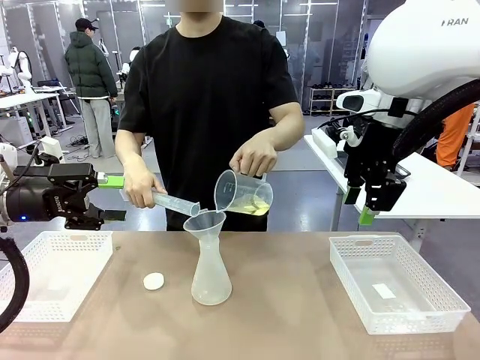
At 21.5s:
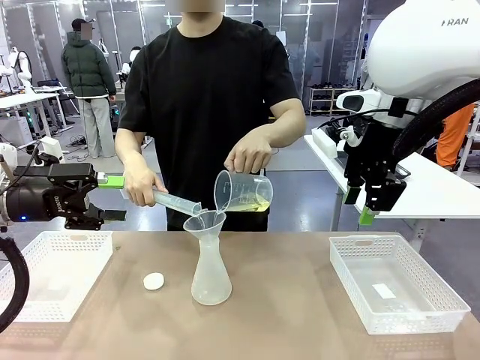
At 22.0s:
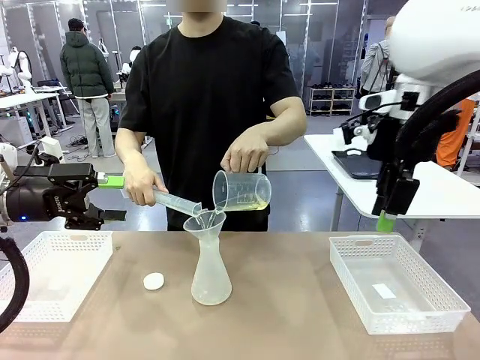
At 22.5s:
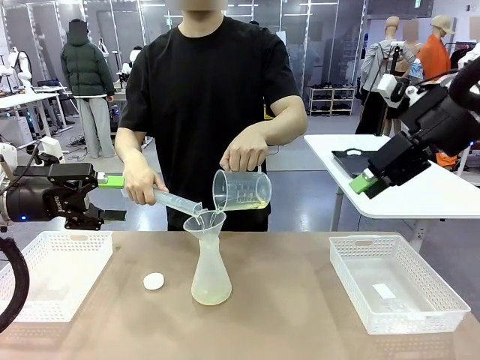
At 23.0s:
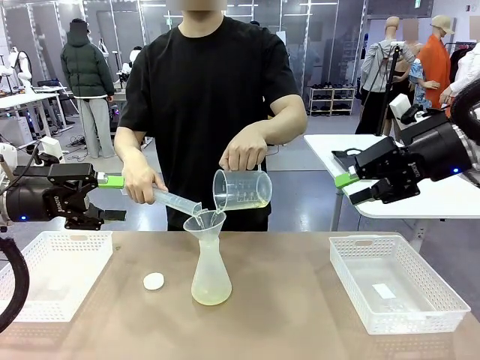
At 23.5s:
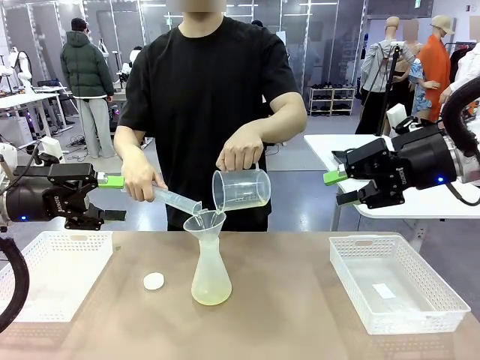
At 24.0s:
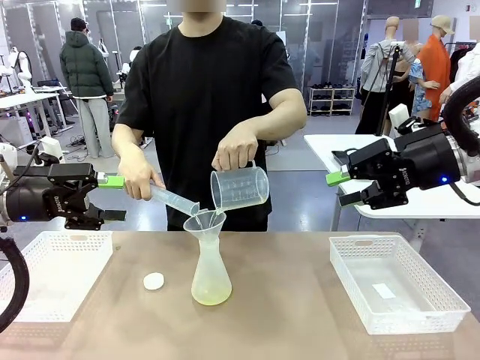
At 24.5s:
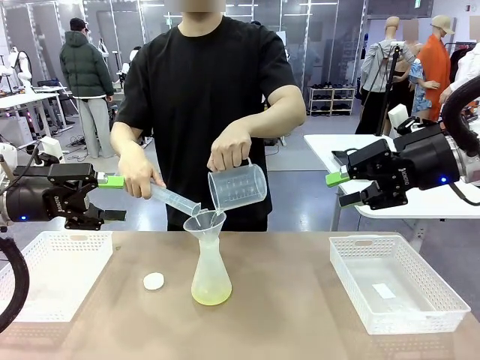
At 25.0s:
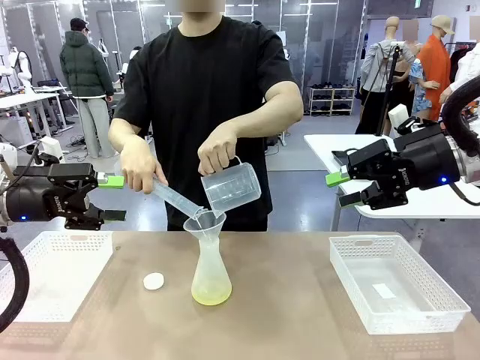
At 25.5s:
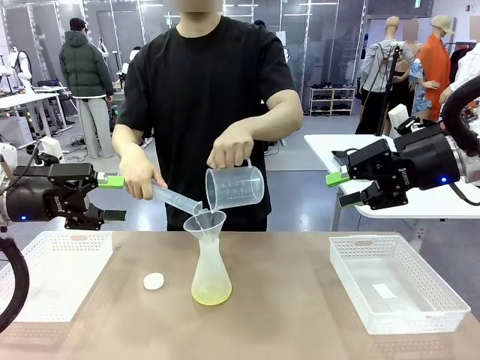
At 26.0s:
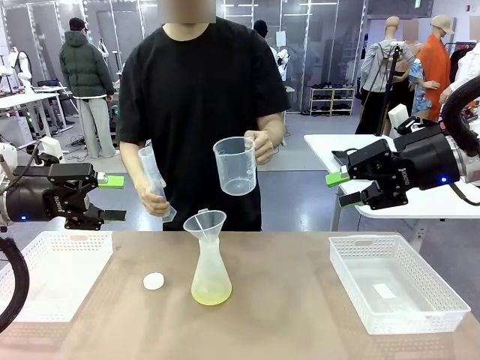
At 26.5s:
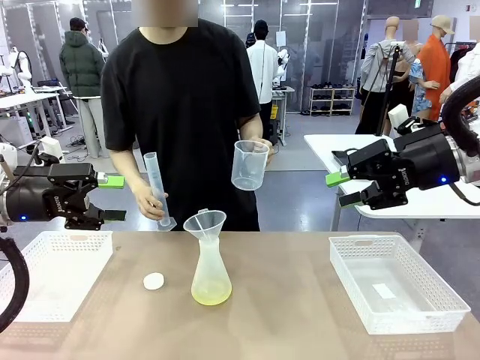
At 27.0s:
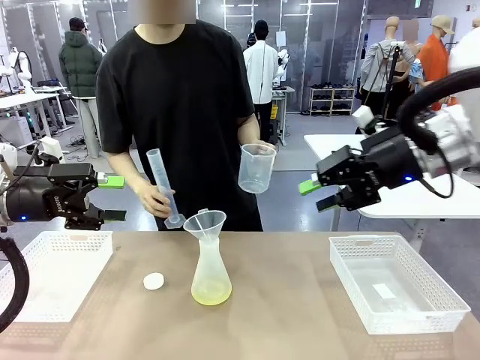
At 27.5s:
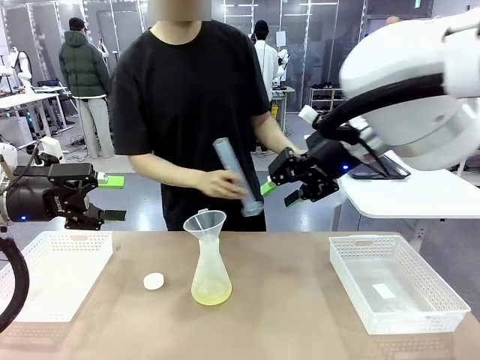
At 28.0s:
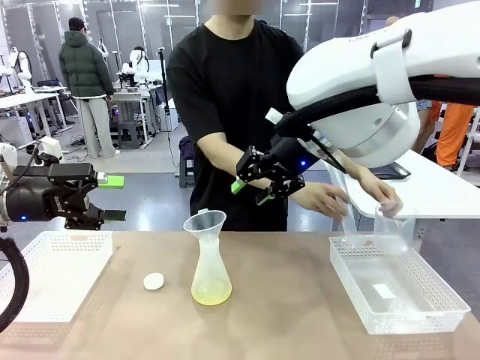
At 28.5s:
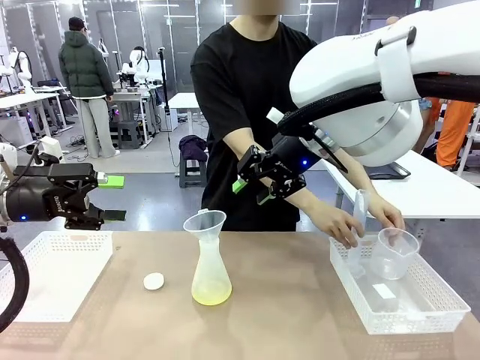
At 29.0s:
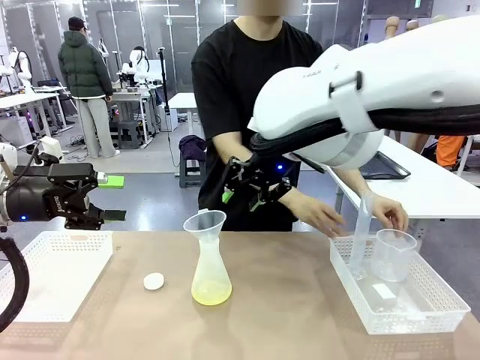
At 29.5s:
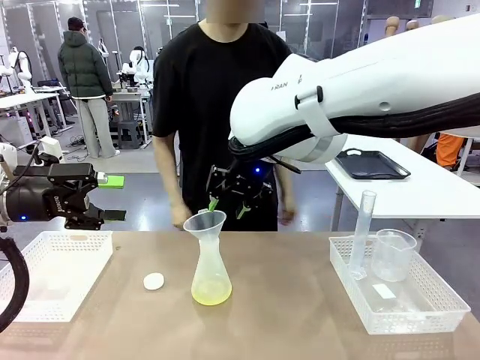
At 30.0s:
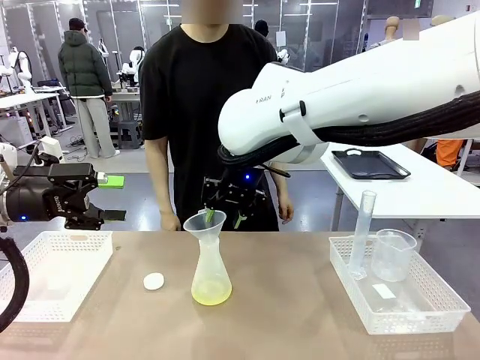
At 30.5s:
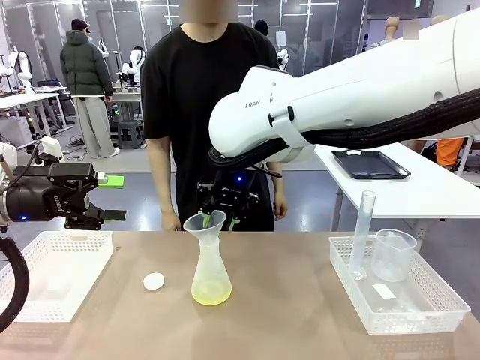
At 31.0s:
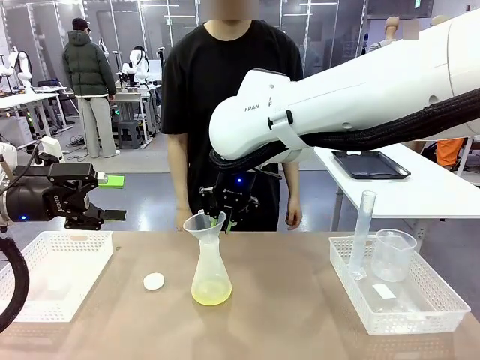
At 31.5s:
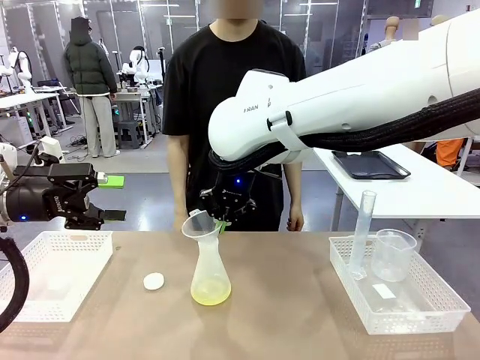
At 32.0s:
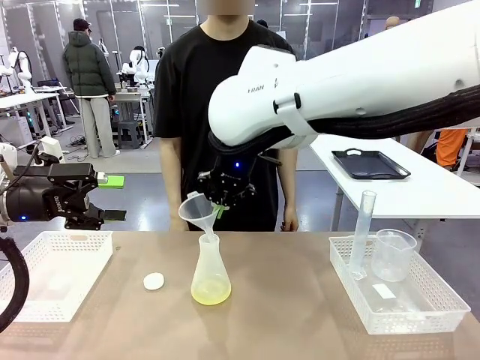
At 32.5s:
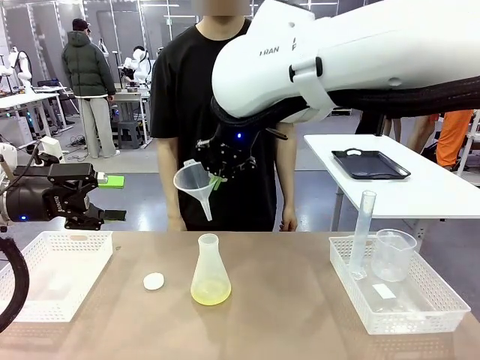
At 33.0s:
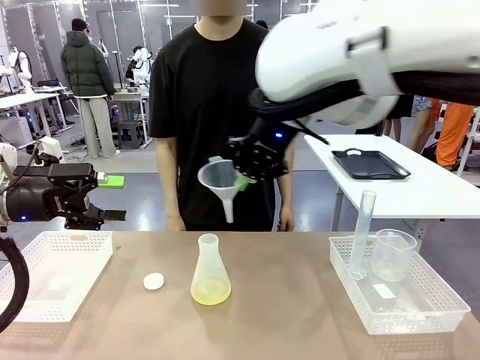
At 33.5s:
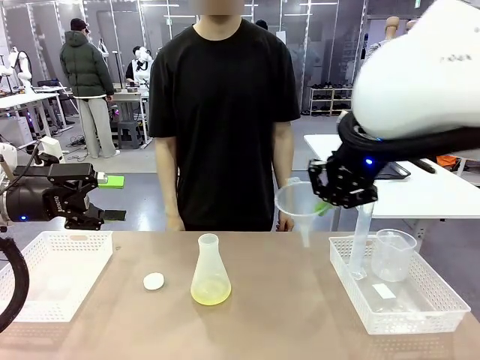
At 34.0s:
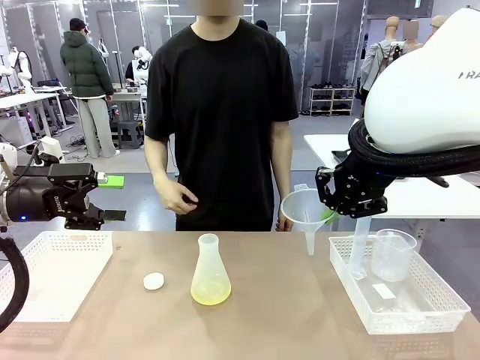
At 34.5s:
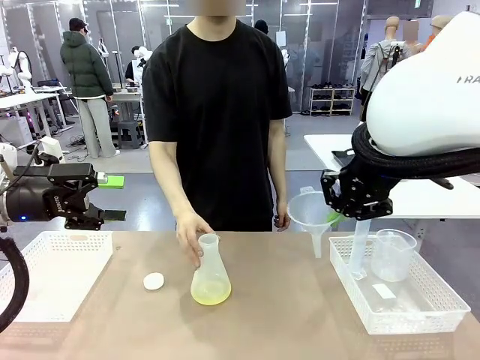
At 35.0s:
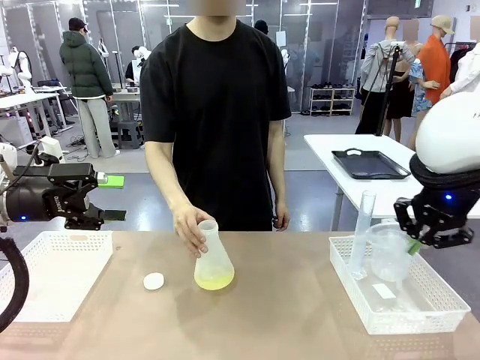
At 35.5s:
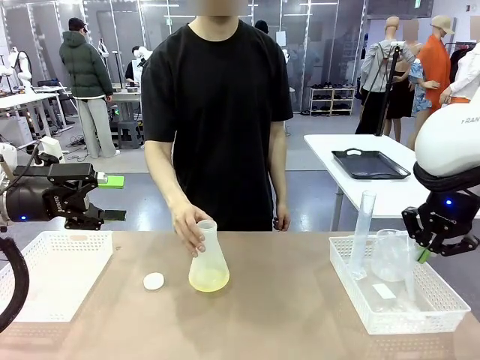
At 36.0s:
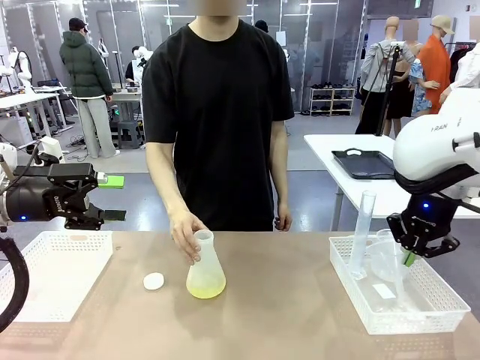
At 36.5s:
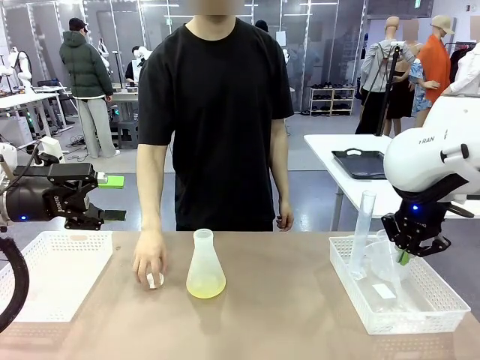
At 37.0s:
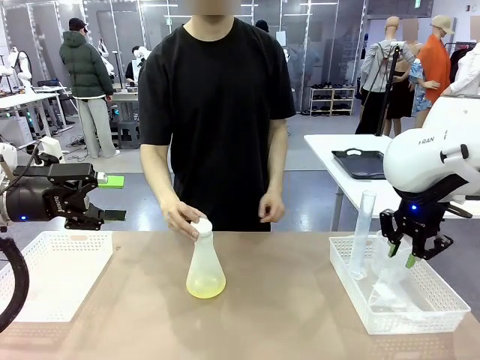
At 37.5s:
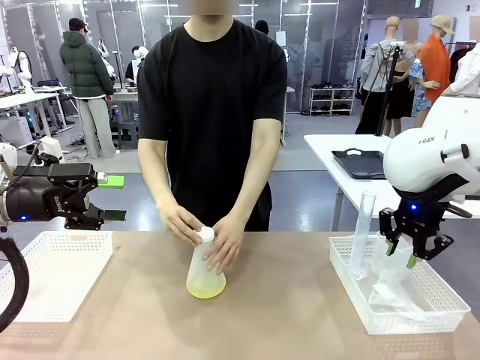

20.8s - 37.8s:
Task: Prepare the solutions needed for the experiment.
Robot: Once the solution is in the Big flask , pick up the Plastic Funnel and place it back into the right Organizing basket.
Person: Place the beaker and the cylinder into the organizing basket on the left side. Pick up the flask, gently shake it 2–3 times, place it in the middle of the robot table, and close the lid.
